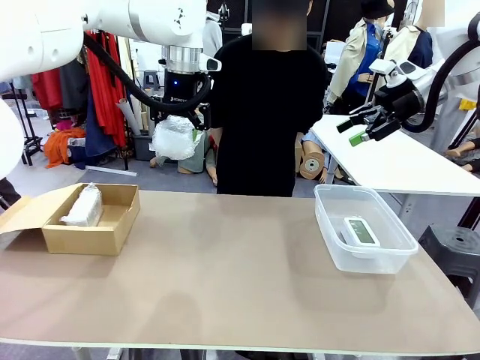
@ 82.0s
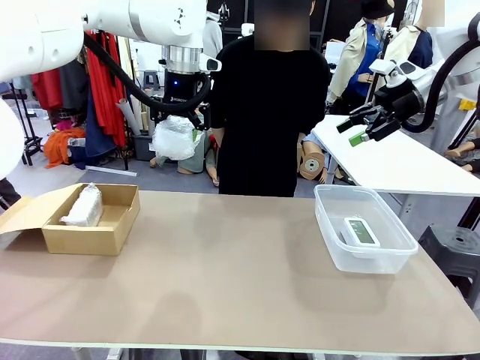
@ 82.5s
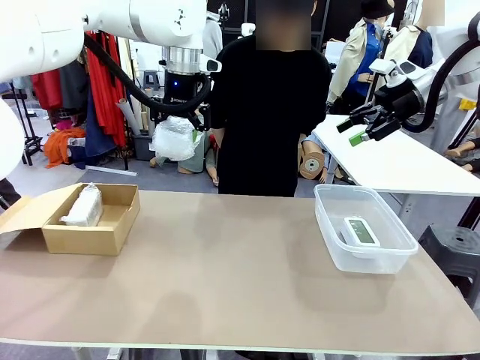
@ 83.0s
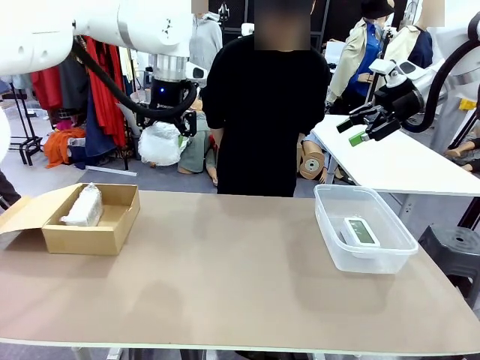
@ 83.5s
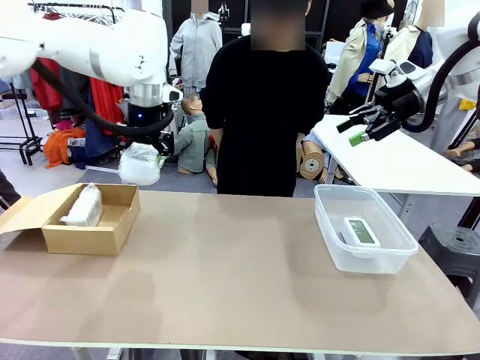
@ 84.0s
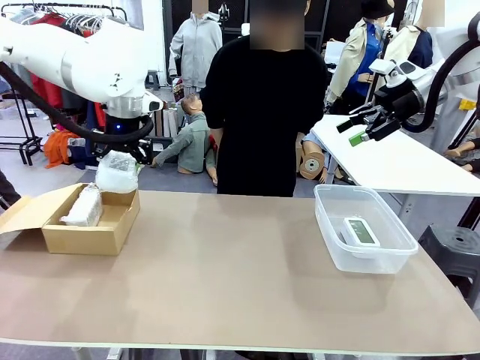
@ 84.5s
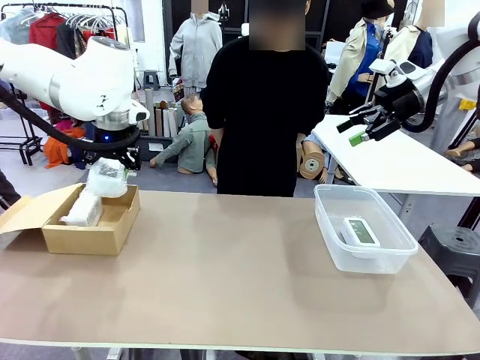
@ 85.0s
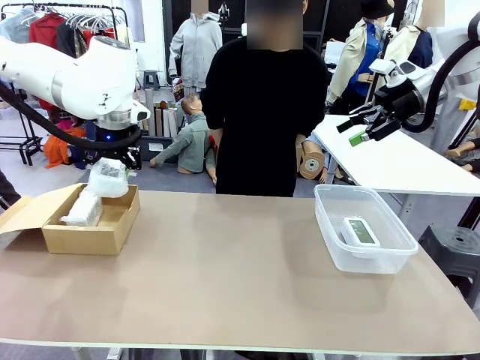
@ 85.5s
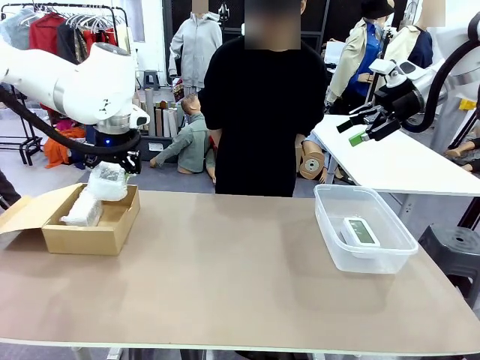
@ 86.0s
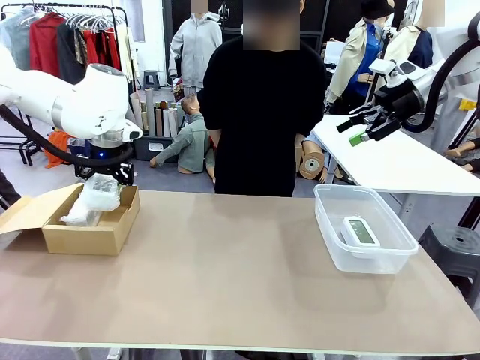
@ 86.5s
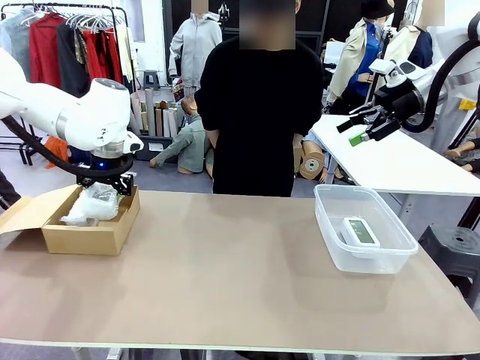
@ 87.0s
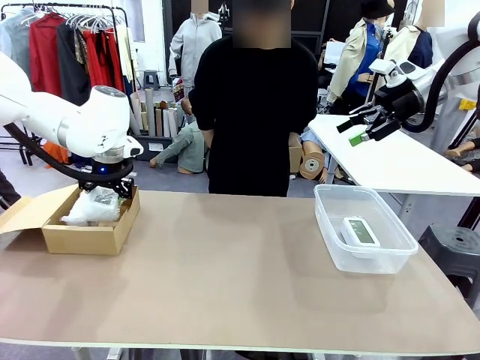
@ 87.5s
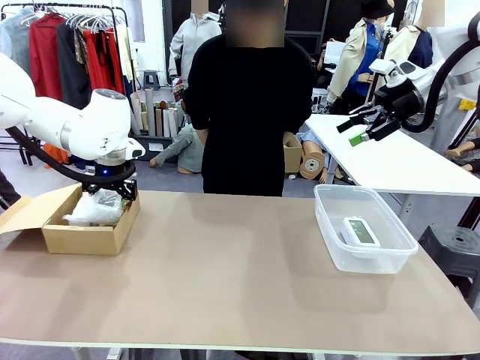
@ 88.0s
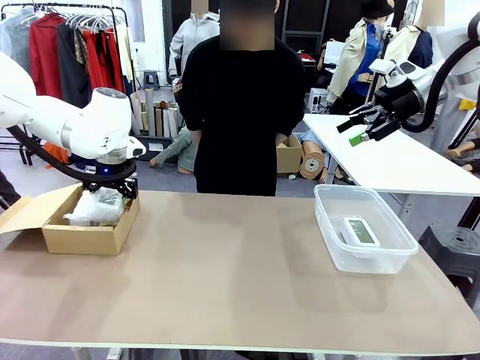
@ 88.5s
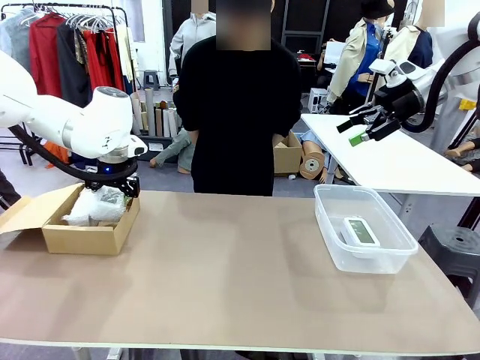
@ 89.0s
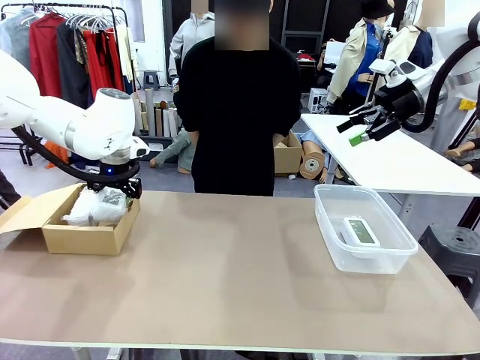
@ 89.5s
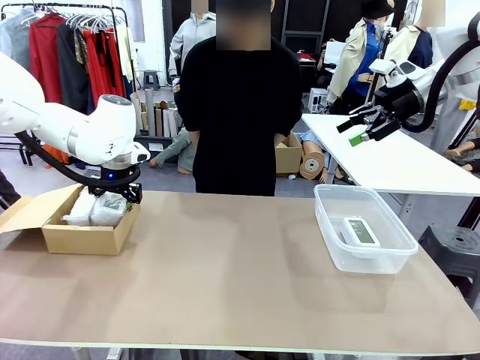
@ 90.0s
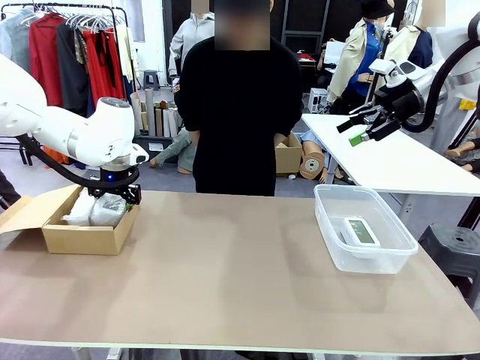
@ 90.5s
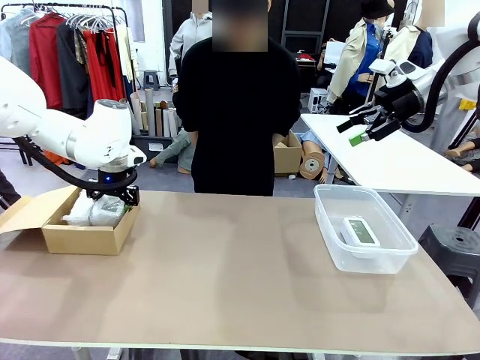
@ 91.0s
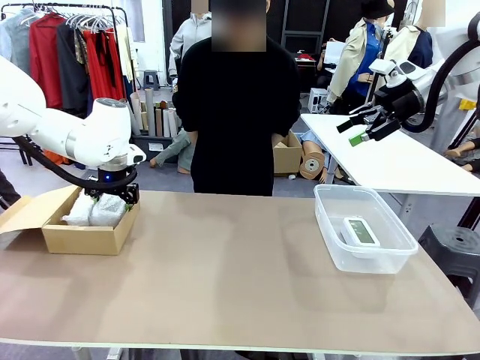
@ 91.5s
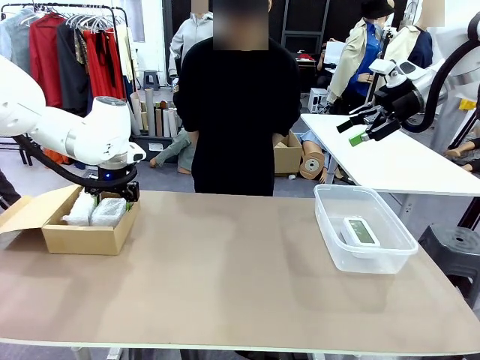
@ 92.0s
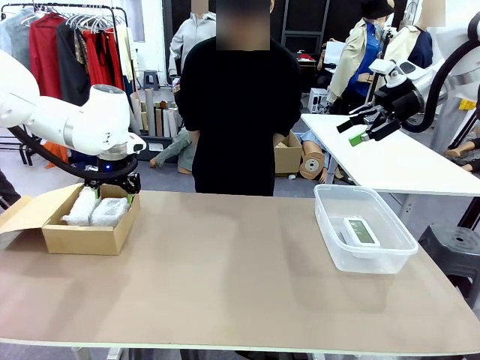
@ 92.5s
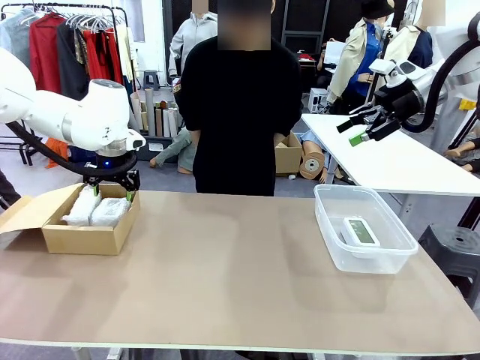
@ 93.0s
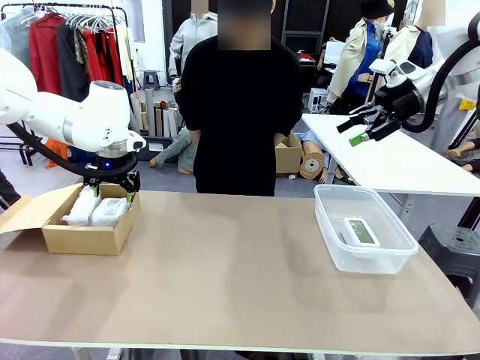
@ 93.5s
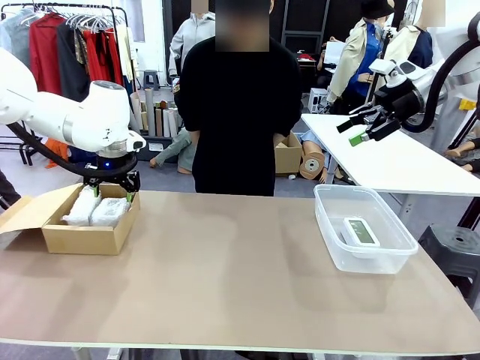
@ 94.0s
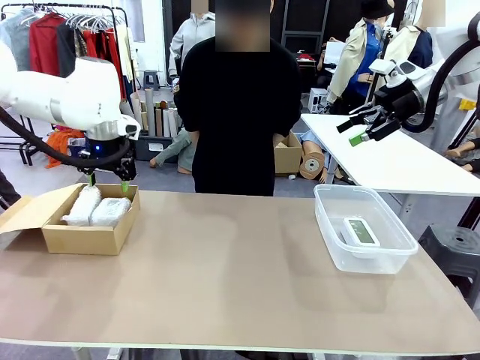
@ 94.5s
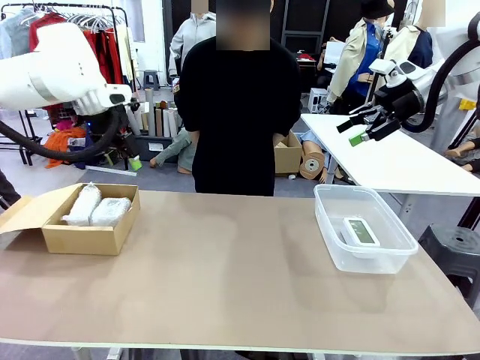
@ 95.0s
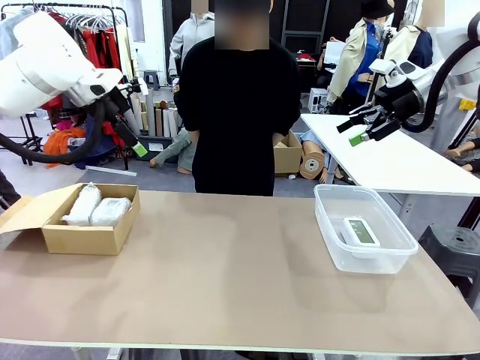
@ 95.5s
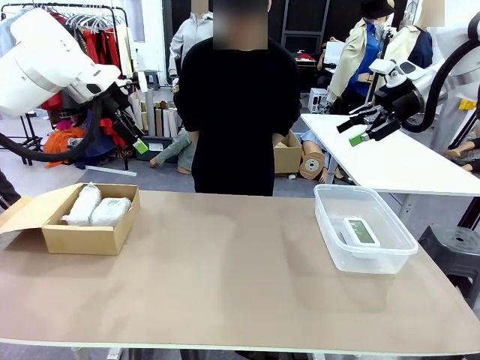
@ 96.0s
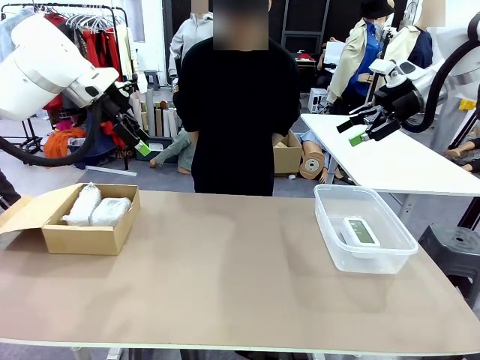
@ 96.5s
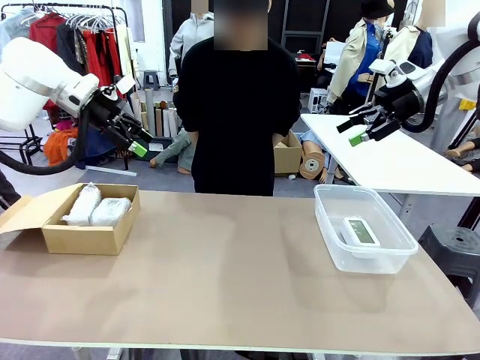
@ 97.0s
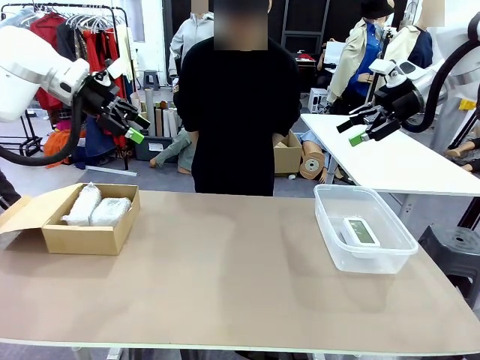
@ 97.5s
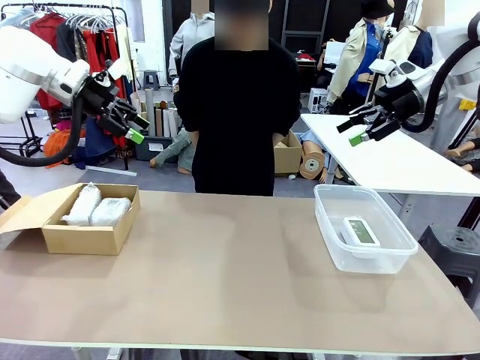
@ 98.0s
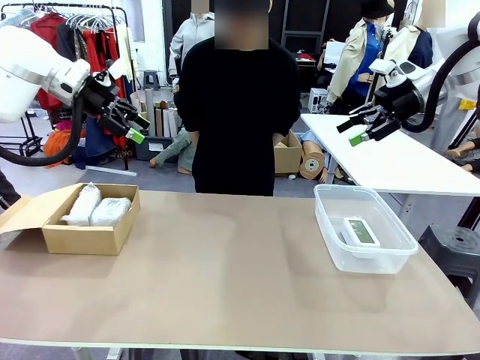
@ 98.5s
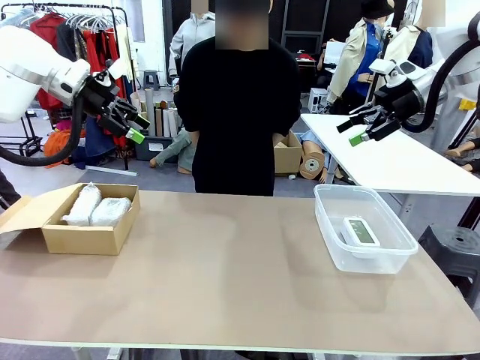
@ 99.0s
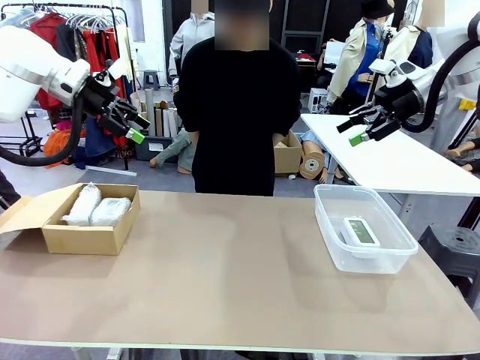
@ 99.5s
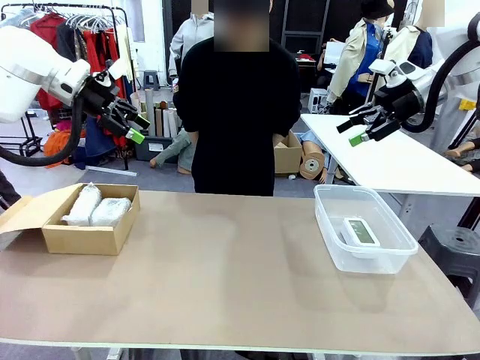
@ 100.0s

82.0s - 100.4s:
Task: Separate and place wrapped and unwrapped clocks.
Robot: If the picked Digital clock is wrapped, place it in the Package Box ; if not, place it in the Organizing box.

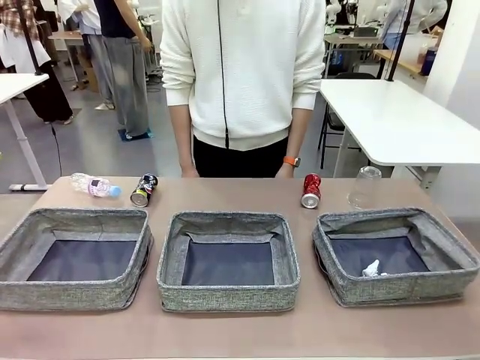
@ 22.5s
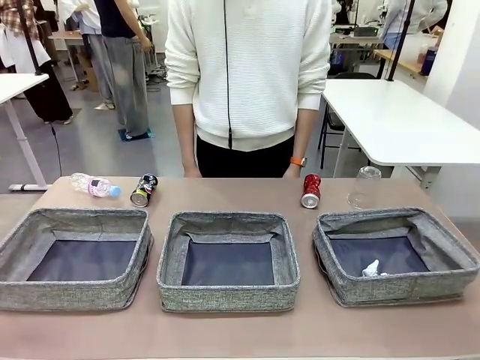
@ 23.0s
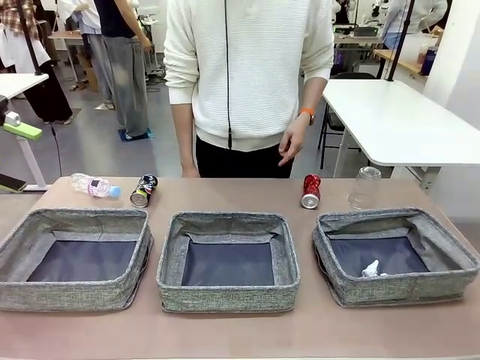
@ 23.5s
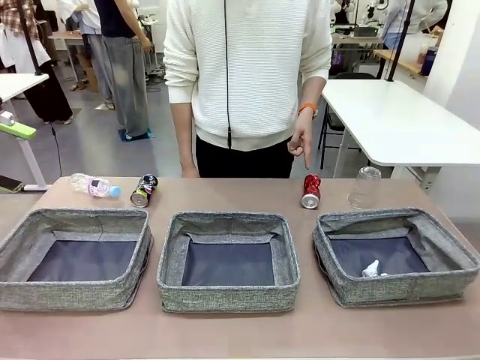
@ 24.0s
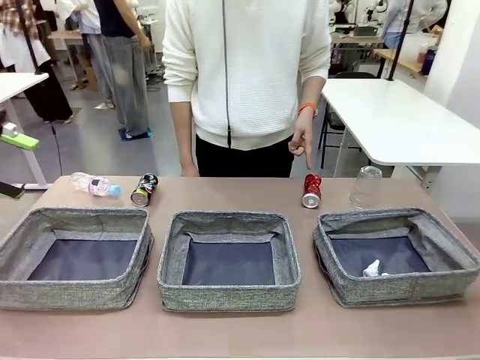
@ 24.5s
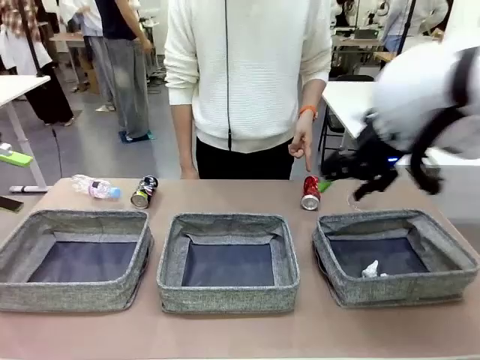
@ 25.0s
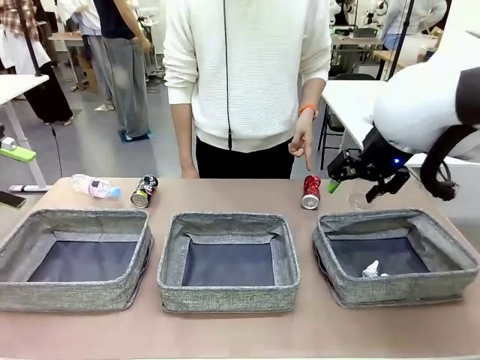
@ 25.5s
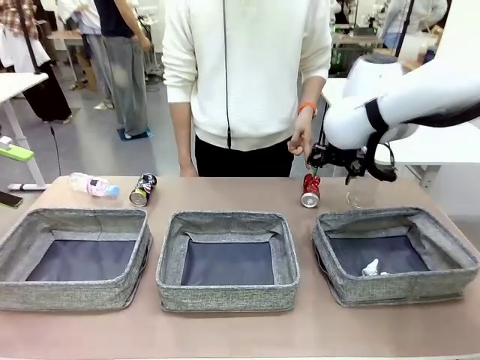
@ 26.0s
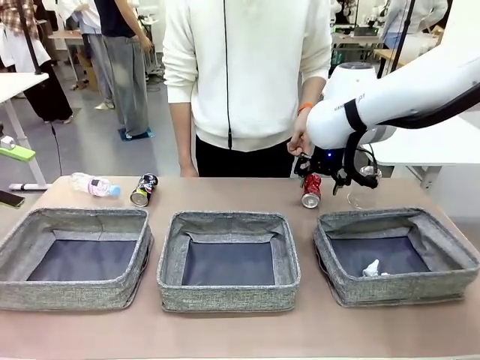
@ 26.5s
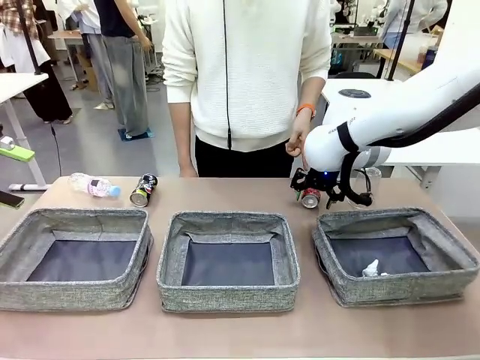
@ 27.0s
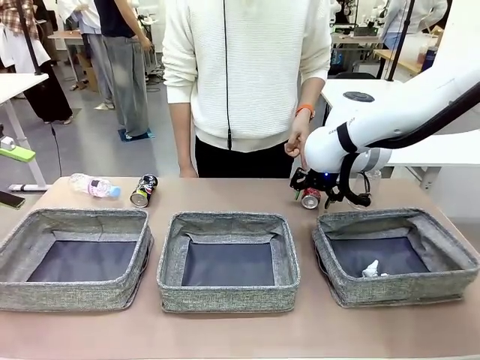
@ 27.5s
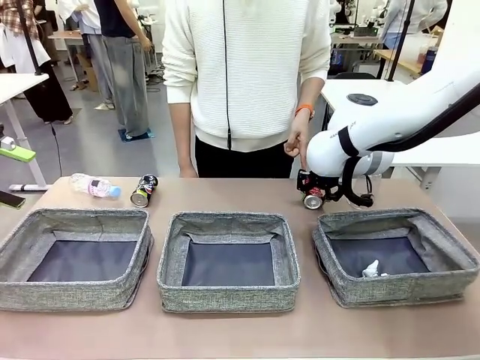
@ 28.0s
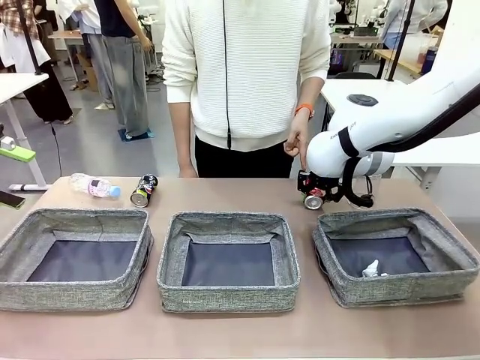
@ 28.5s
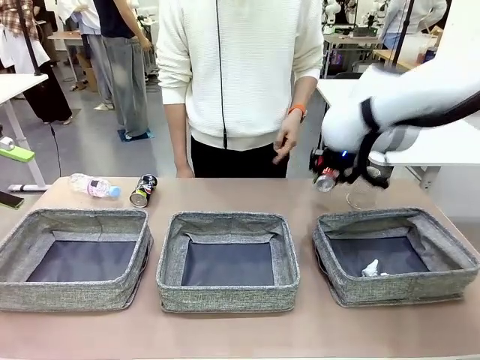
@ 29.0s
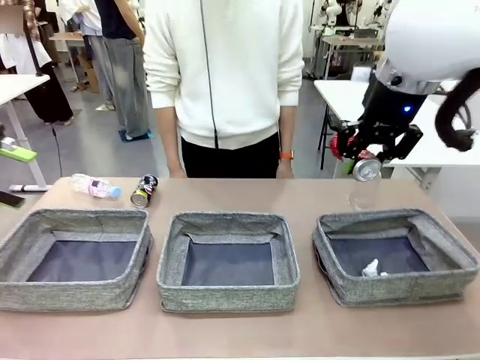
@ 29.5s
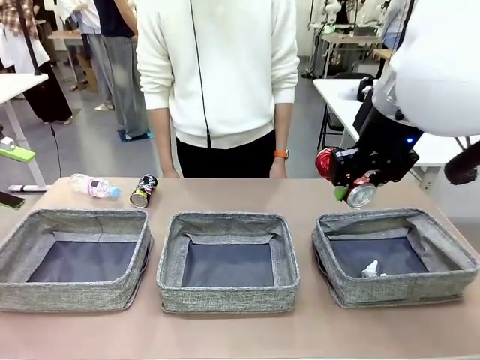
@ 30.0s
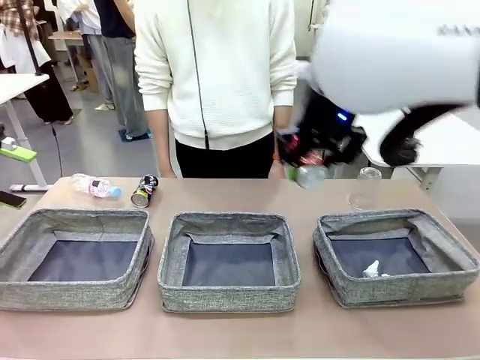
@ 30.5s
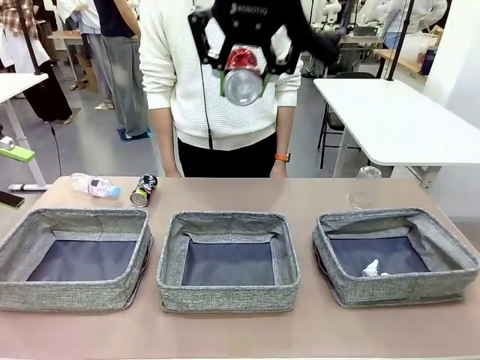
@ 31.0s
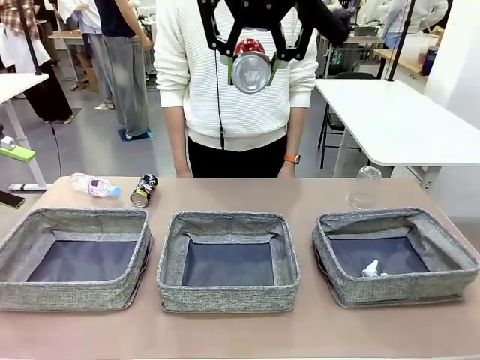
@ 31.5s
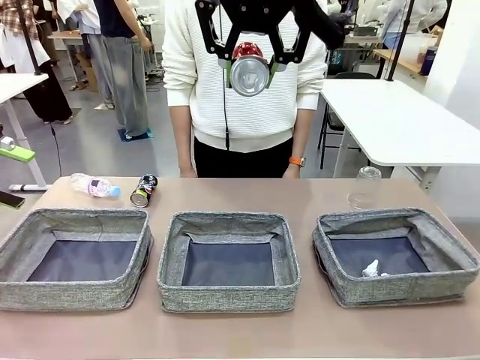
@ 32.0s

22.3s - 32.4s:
Task: Sort the waste into the appropriate baskets.
Robot: Pick up the waste item pointed out by the person.
Person: Points to one piece of trash on the table.
